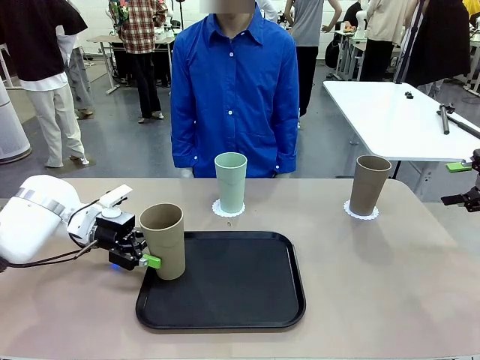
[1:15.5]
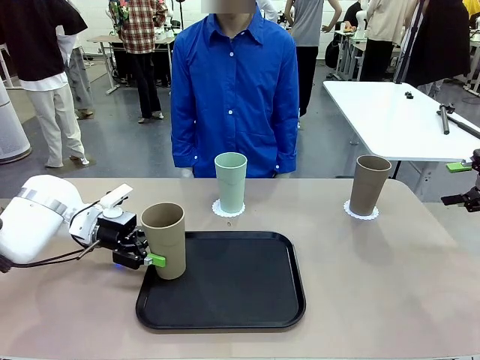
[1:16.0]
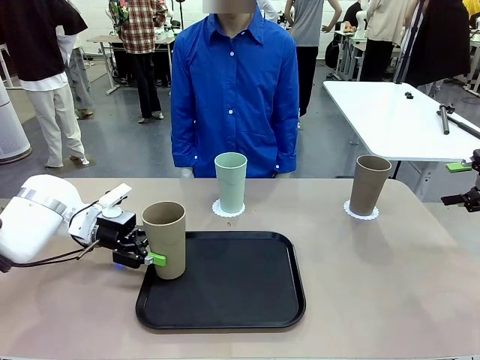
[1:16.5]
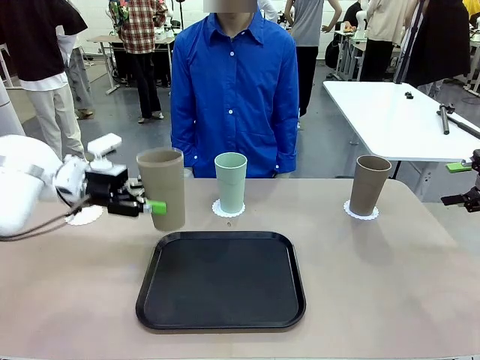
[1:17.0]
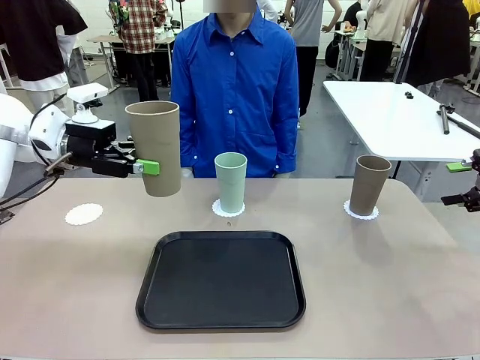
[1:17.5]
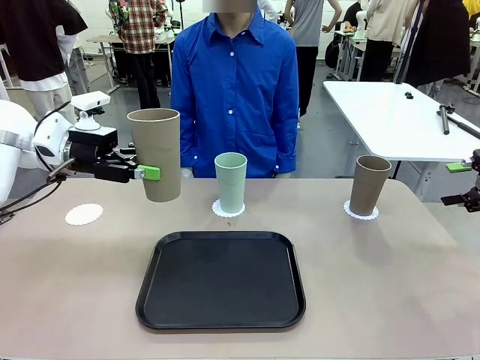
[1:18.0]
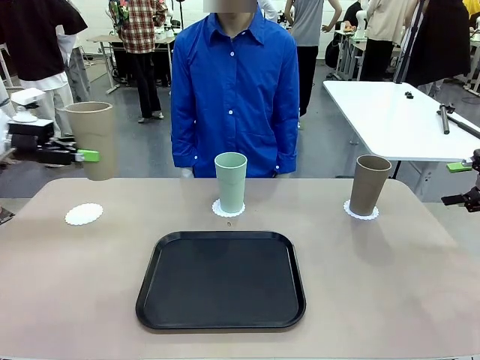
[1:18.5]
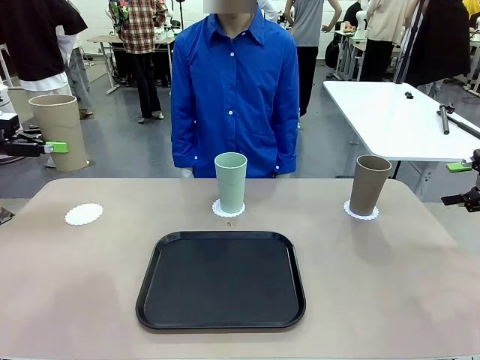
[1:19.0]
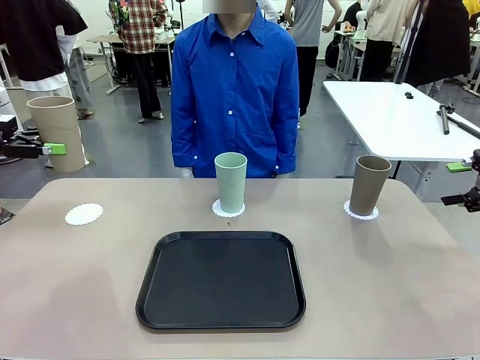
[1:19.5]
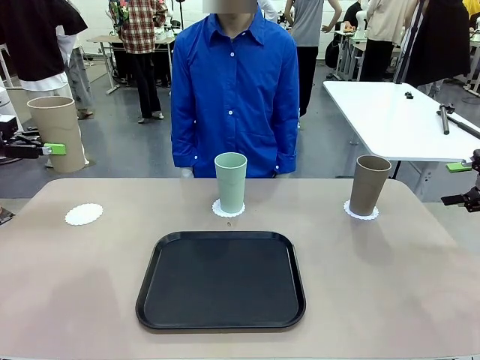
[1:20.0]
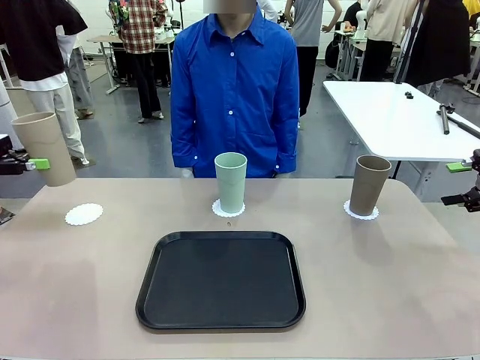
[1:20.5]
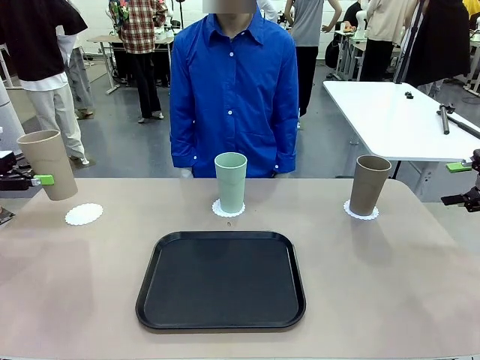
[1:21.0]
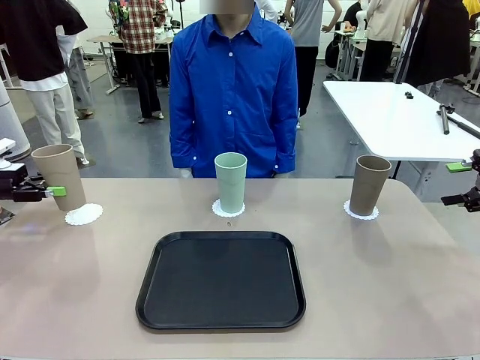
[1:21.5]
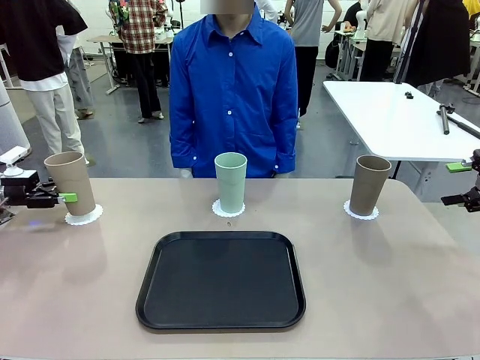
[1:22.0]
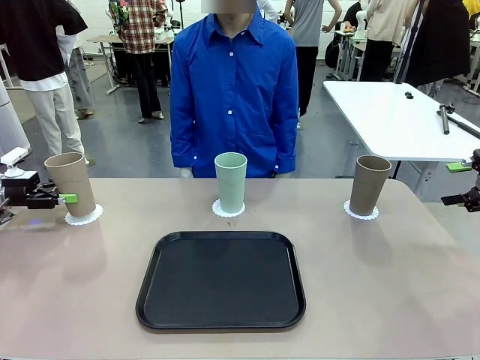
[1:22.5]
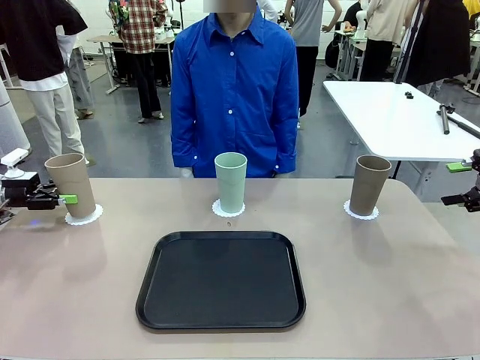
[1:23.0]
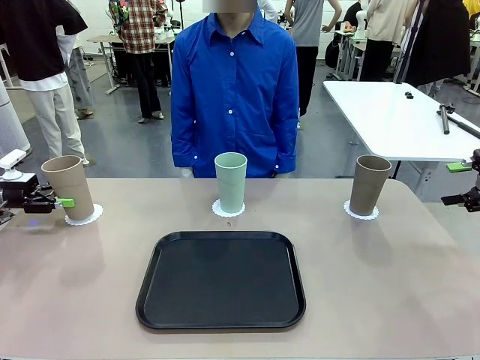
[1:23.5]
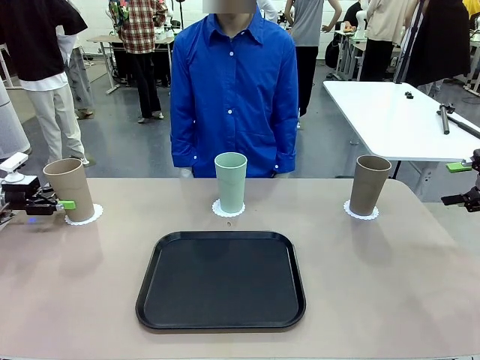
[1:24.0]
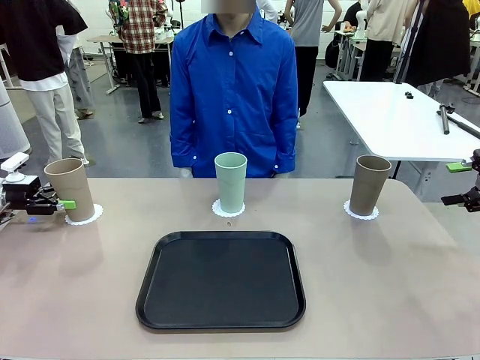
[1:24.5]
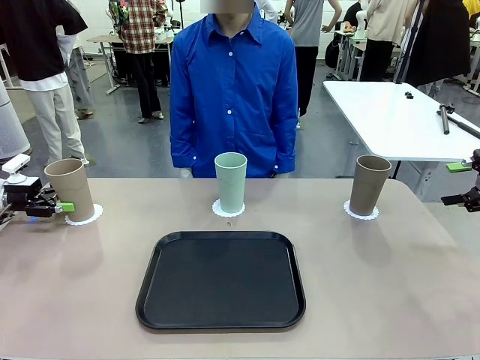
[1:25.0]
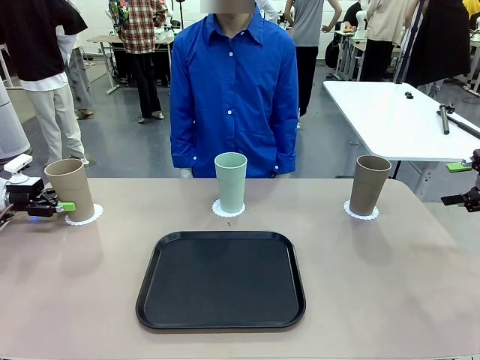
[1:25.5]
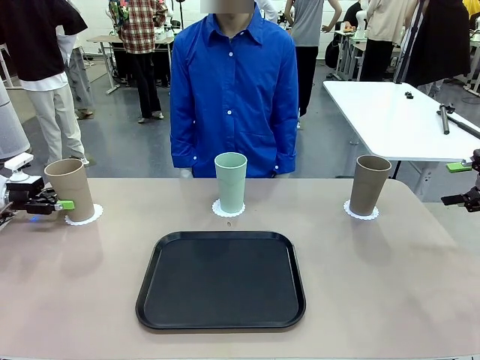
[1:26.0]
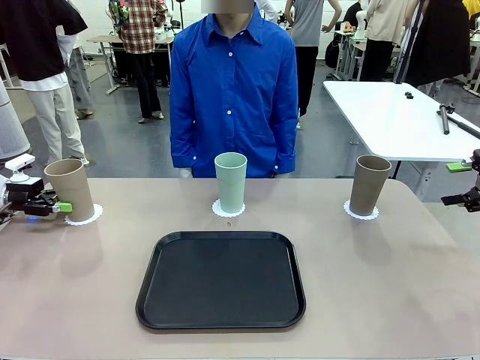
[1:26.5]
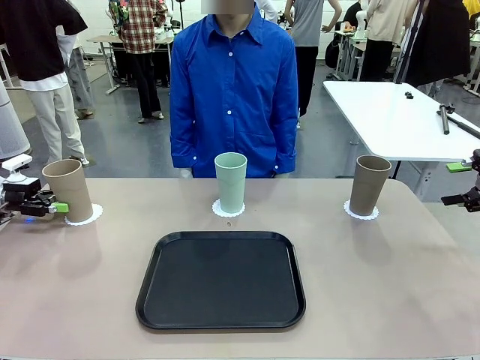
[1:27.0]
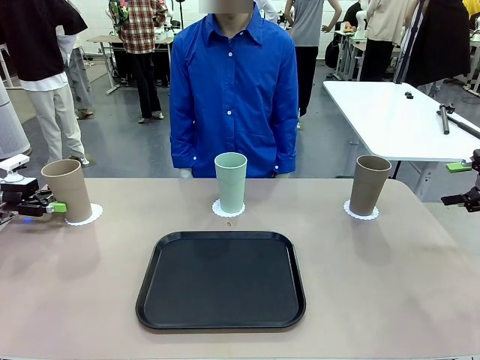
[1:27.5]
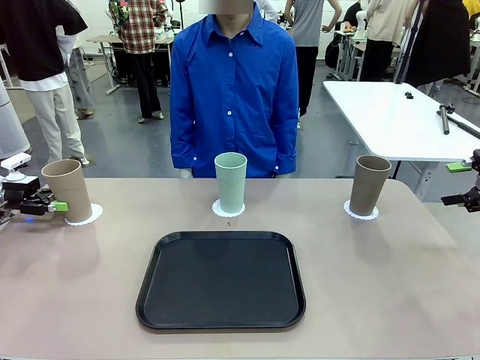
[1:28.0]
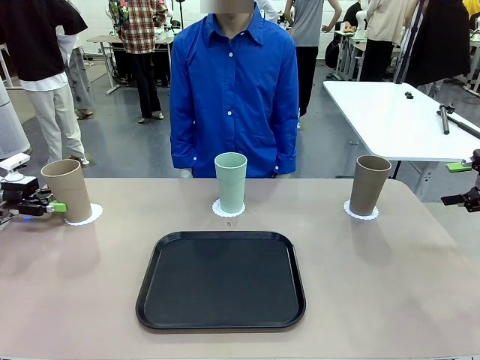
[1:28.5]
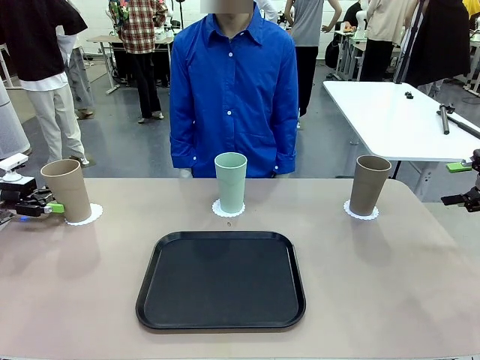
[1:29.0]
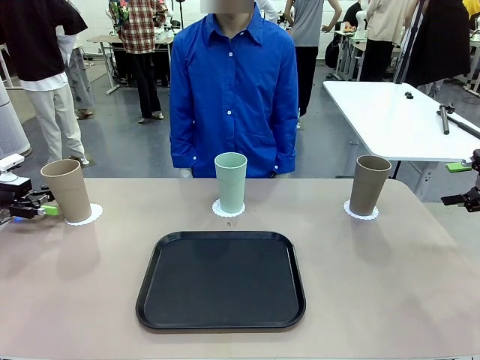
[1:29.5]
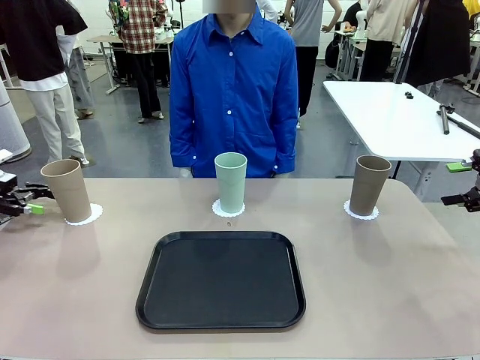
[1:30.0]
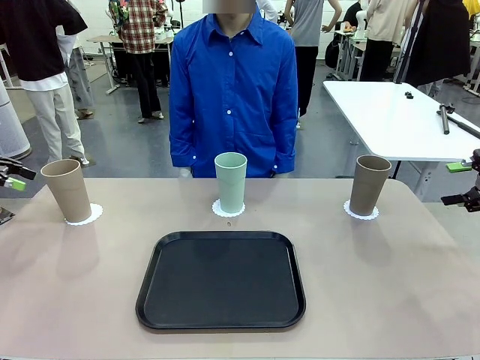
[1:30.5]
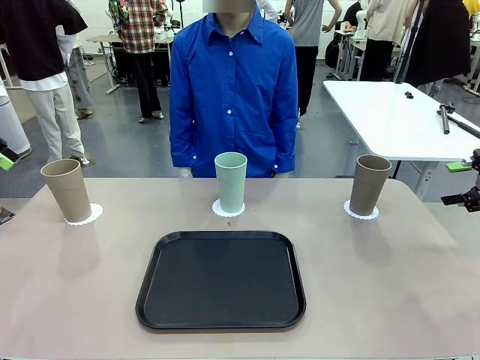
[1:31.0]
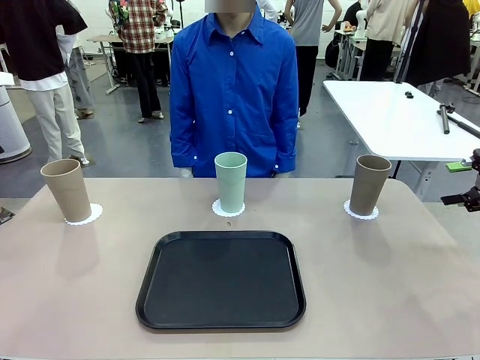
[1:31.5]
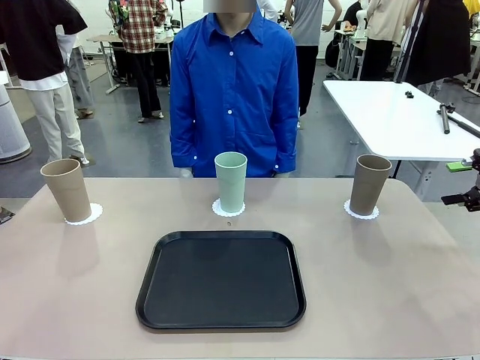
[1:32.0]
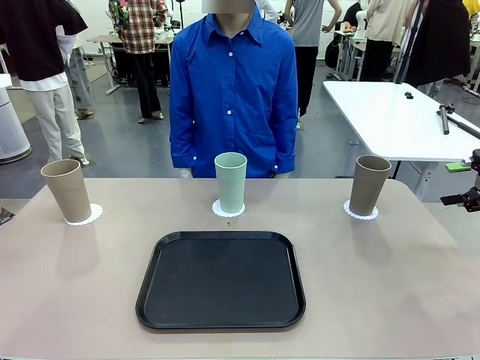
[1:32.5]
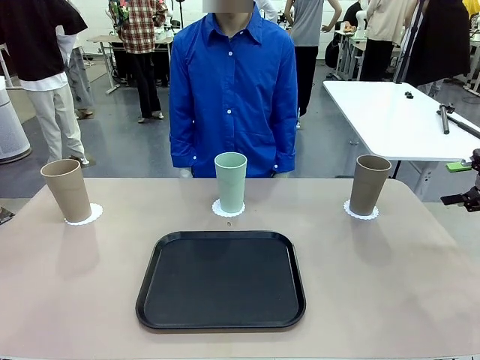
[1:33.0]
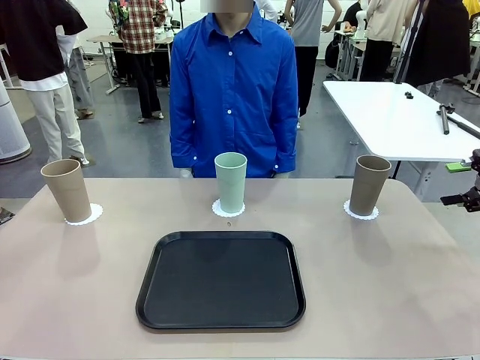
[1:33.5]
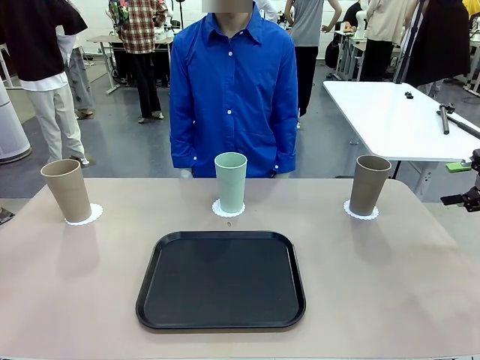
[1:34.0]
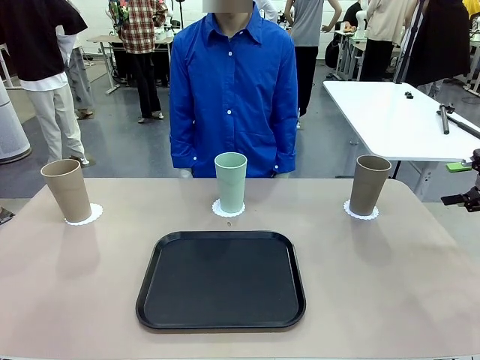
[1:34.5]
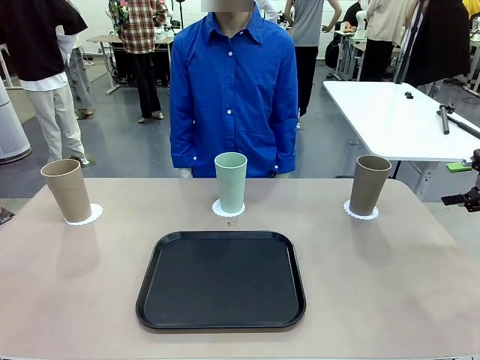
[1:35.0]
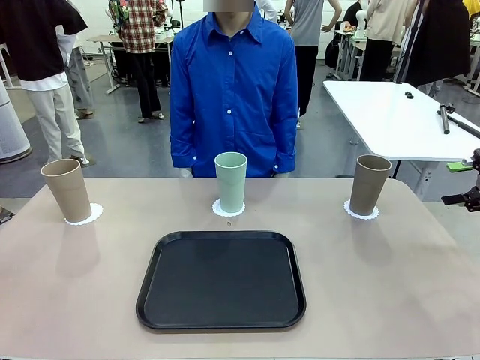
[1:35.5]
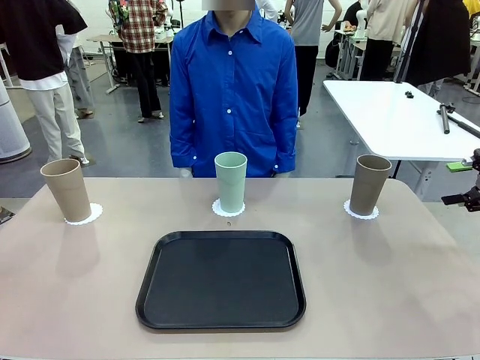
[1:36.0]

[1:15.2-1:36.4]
Task: Place coasters on the table and set cups on them.
Robot: Take one Reusable plastic cup from the Flat Tray and place it on a coaster set by the human.
